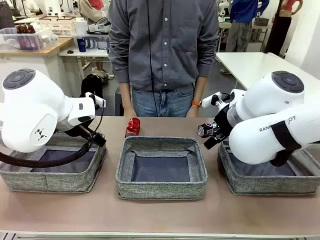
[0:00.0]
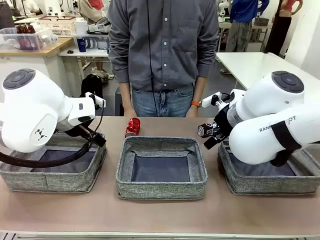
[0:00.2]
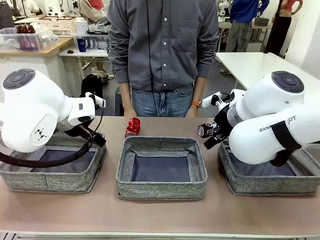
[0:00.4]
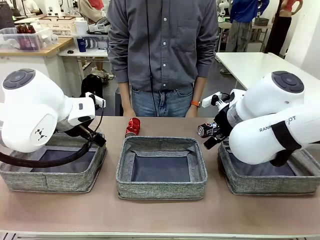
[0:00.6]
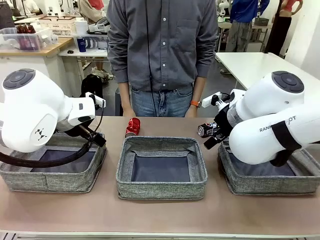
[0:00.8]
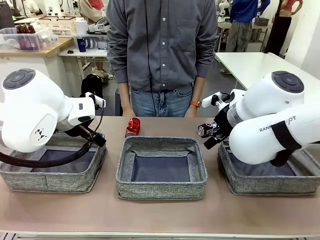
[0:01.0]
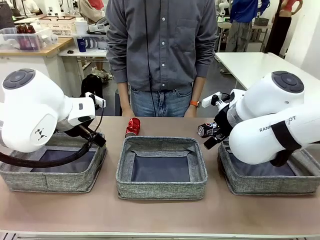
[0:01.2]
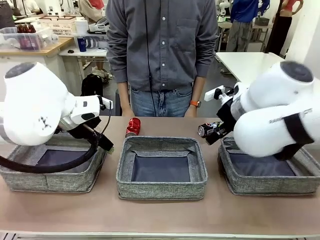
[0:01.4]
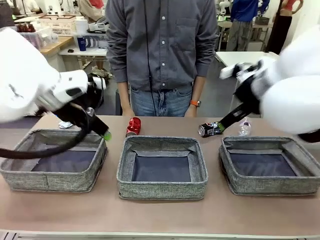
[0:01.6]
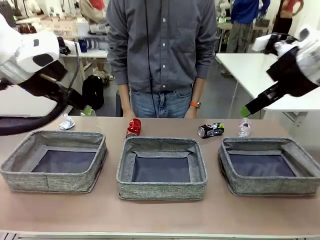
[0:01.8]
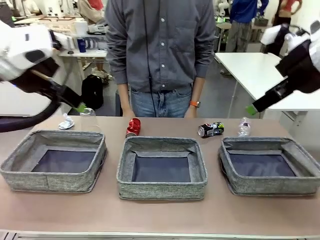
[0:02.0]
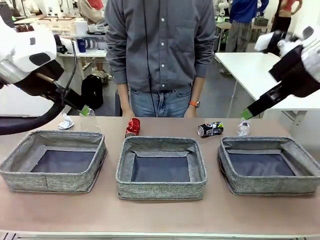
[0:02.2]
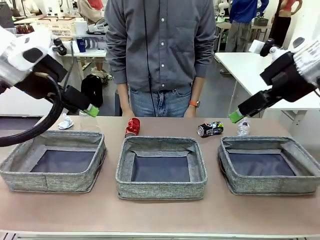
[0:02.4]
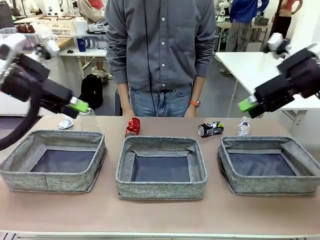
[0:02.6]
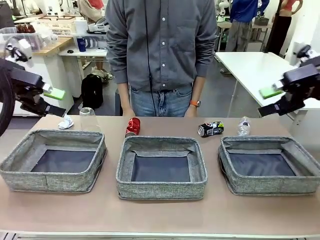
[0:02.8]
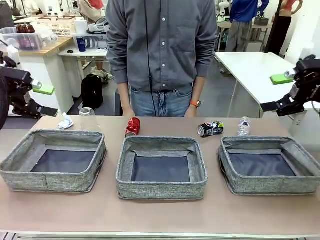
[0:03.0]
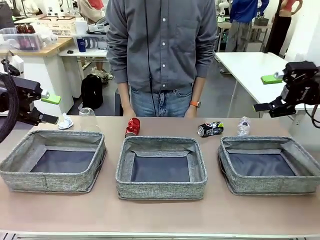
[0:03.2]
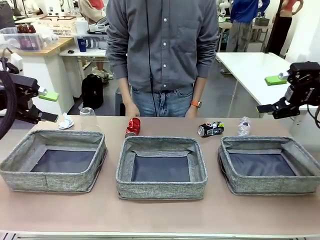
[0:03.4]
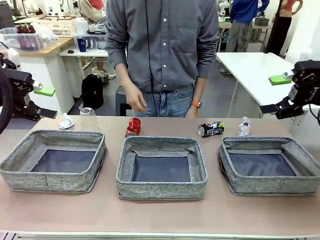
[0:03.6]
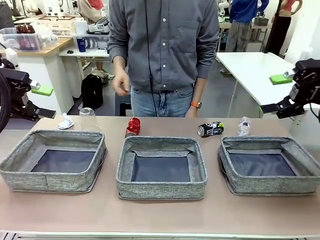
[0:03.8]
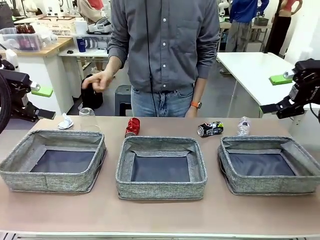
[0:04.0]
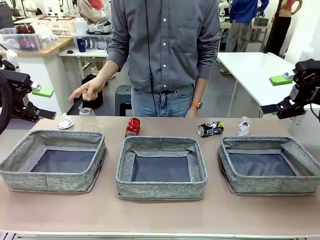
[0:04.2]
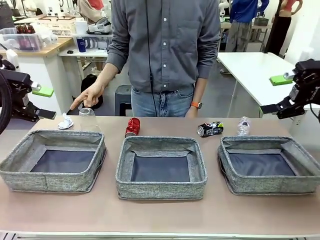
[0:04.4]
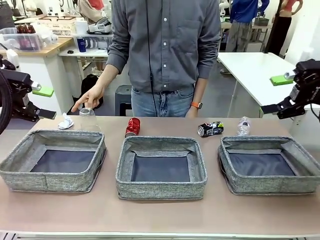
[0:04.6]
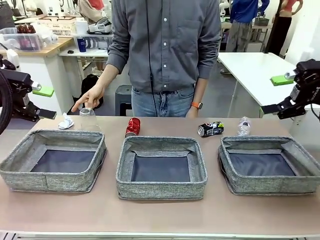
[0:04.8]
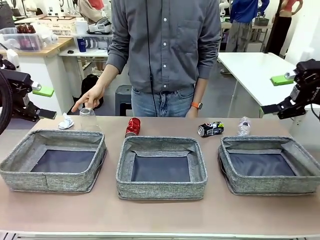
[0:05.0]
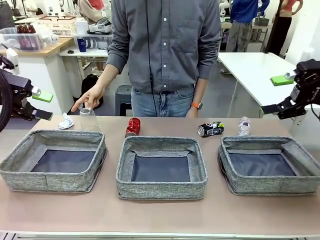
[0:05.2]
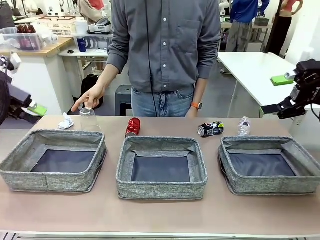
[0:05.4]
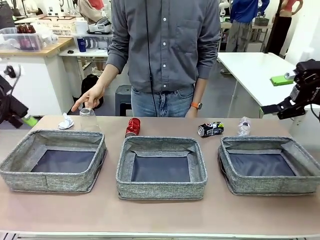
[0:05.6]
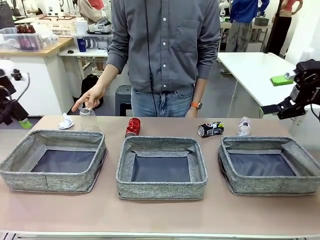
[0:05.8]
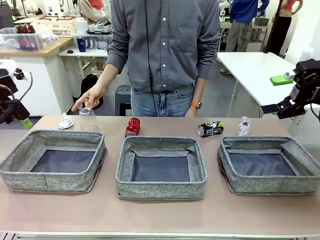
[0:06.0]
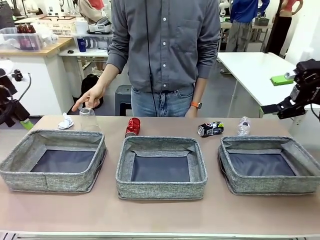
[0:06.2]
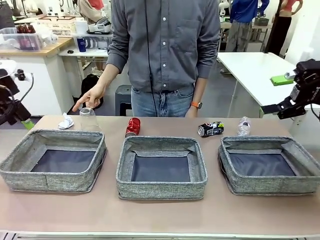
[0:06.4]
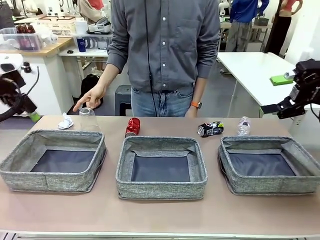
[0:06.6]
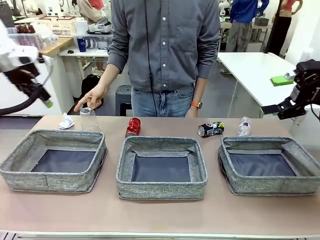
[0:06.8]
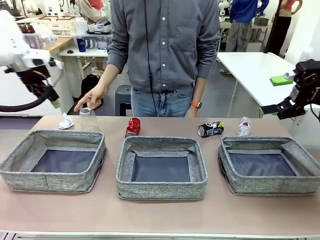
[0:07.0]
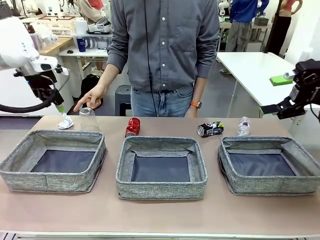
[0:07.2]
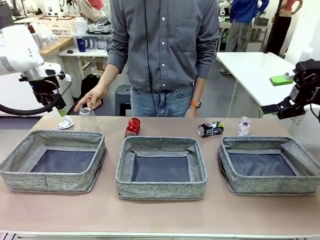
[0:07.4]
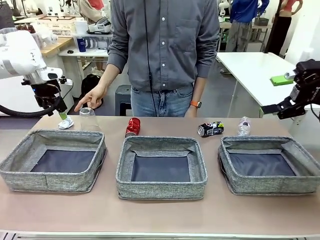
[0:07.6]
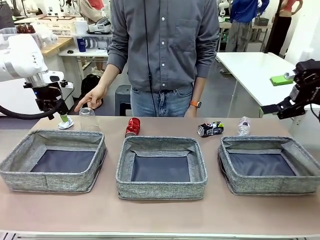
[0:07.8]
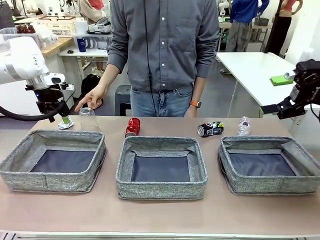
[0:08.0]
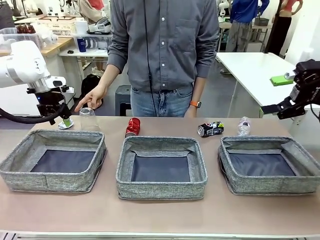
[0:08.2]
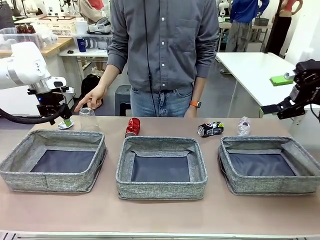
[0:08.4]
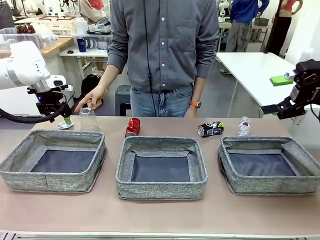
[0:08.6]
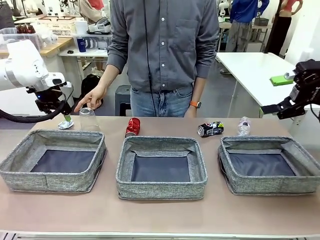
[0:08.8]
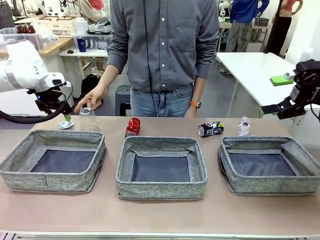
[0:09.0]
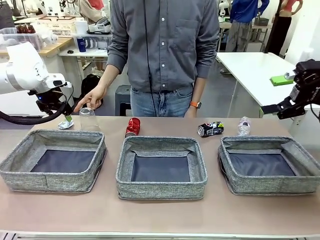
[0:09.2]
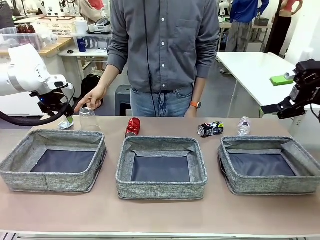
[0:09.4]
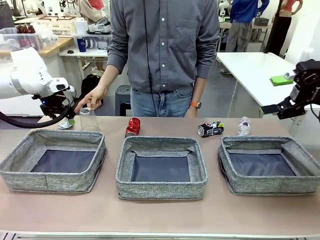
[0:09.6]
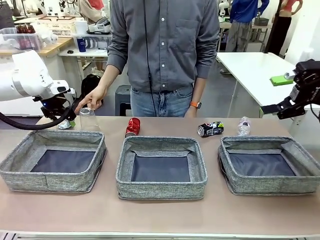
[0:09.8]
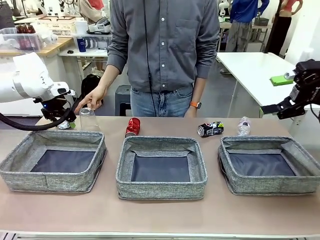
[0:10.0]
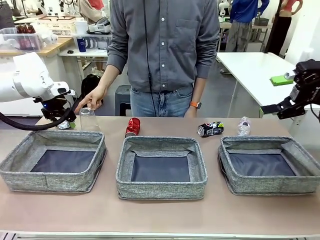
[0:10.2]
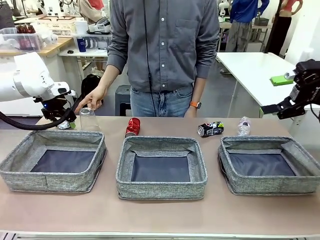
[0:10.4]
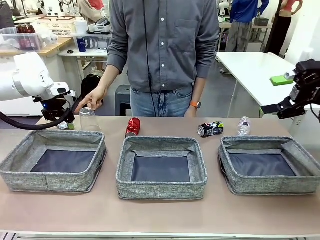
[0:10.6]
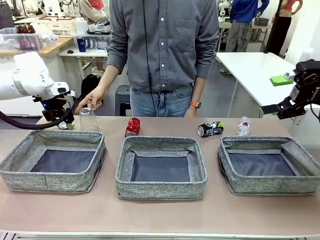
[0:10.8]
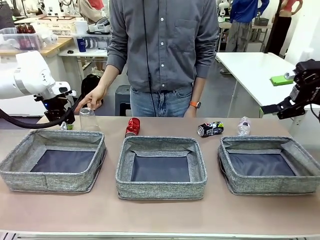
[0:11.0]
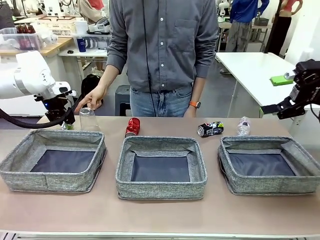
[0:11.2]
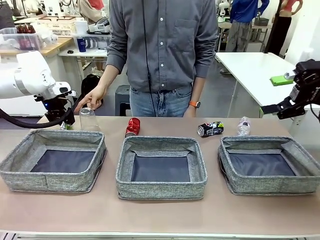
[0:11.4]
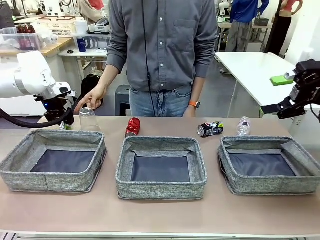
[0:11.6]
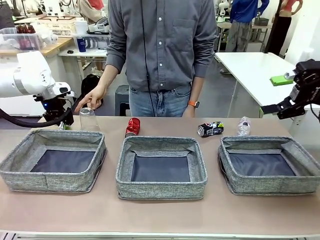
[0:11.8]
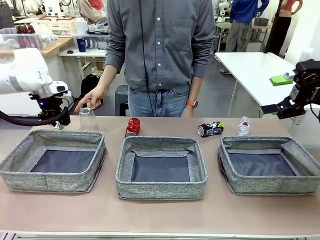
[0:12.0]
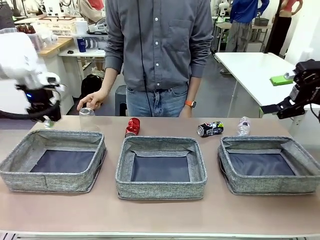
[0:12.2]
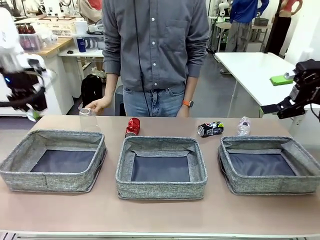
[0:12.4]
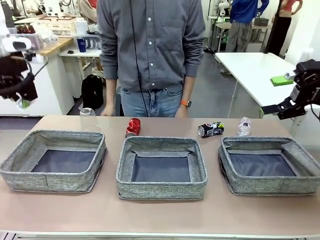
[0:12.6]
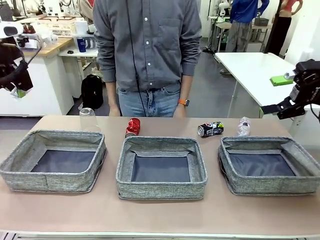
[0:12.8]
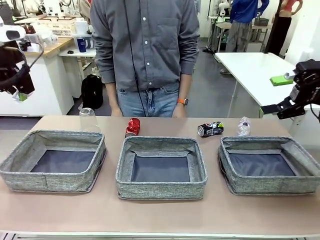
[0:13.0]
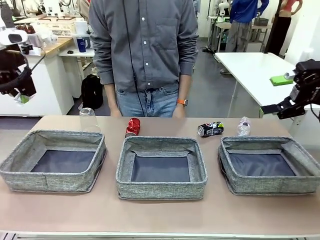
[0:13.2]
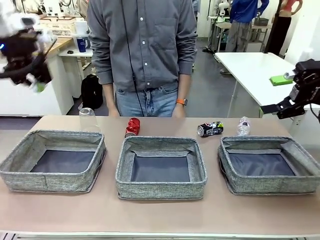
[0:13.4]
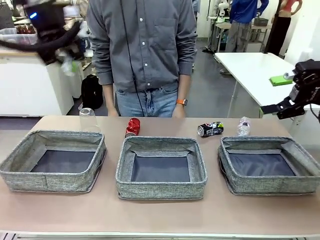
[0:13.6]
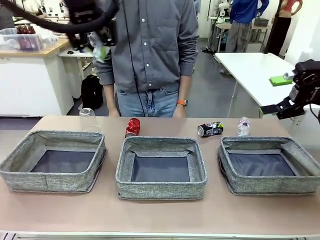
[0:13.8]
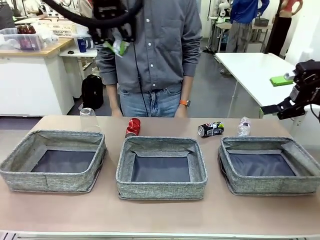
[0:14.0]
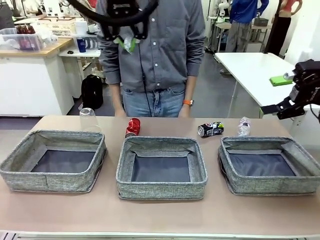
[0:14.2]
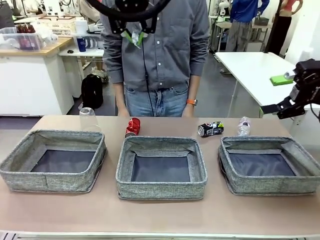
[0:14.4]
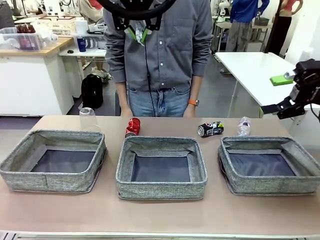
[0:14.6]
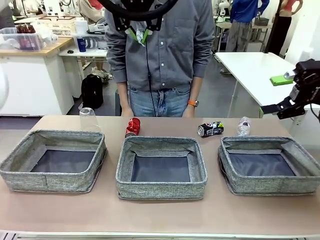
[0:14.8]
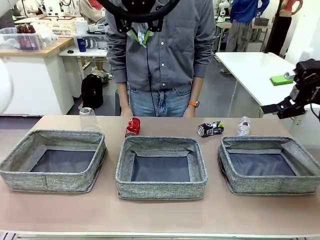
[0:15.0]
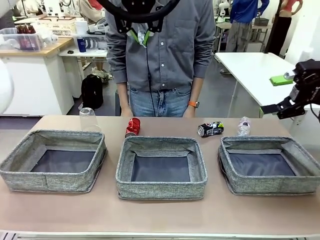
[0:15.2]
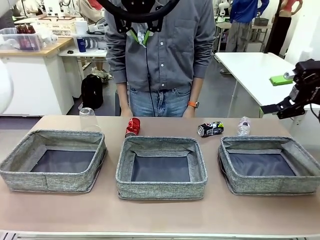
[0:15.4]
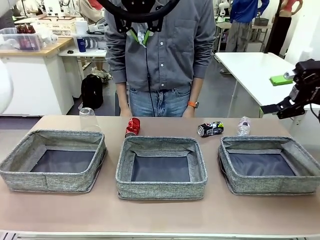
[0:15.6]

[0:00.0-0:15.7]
Task: Sort the waste into the appropriate baskets.
Robot: Pick up the waste item pointed out by the person.
Person: Points to one piece of trash on the table.

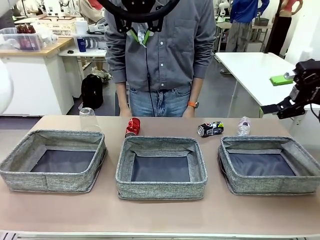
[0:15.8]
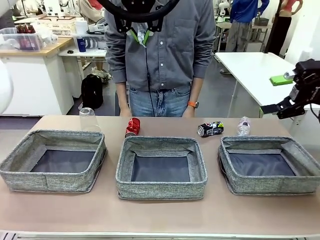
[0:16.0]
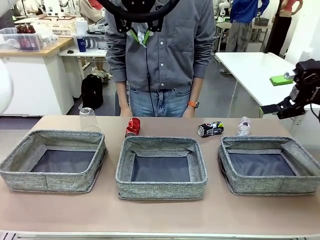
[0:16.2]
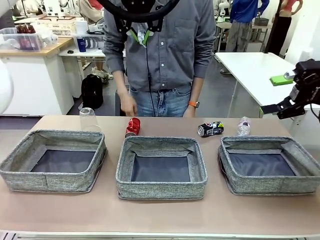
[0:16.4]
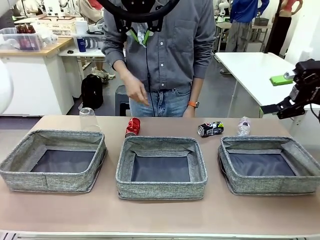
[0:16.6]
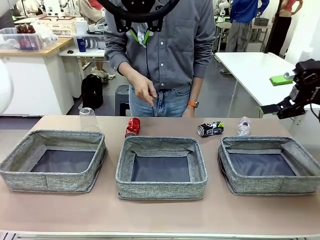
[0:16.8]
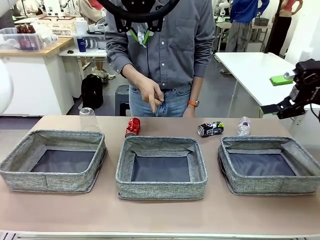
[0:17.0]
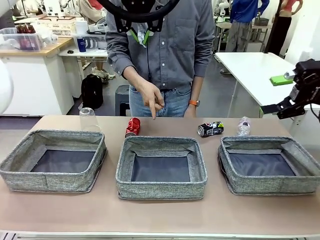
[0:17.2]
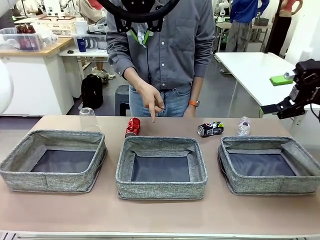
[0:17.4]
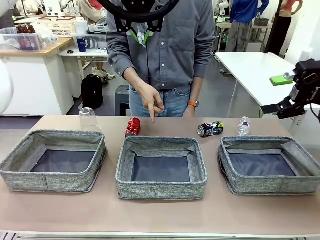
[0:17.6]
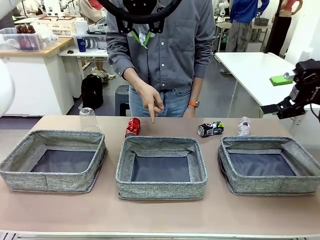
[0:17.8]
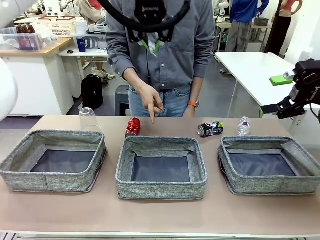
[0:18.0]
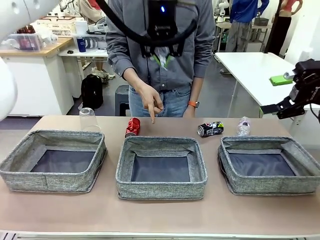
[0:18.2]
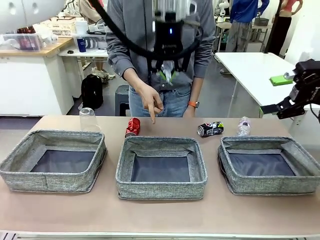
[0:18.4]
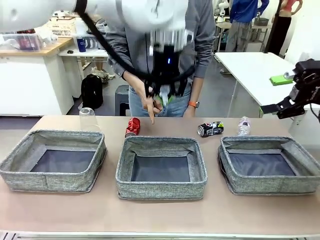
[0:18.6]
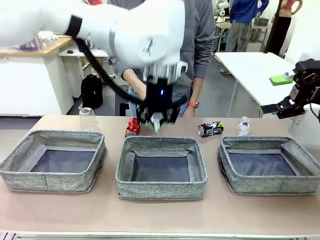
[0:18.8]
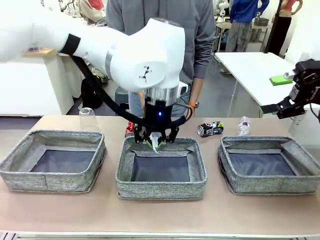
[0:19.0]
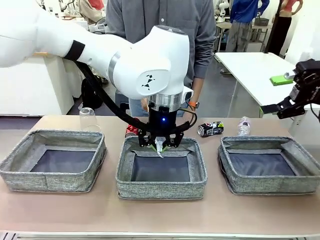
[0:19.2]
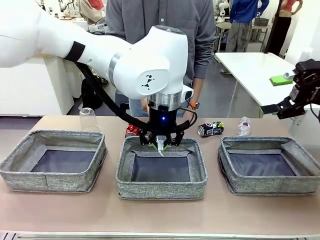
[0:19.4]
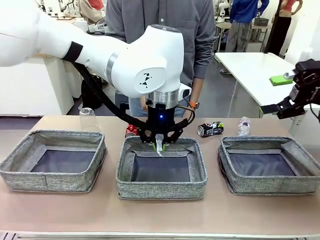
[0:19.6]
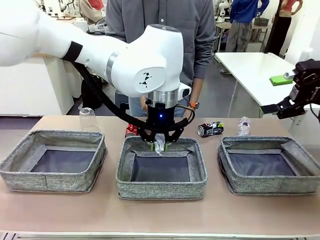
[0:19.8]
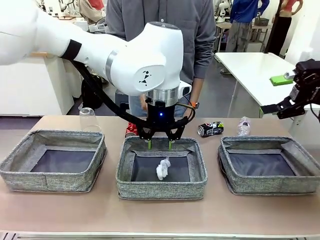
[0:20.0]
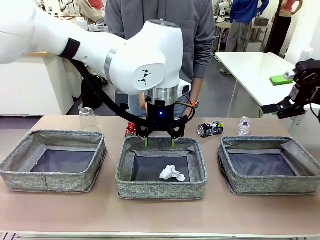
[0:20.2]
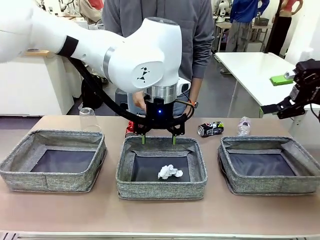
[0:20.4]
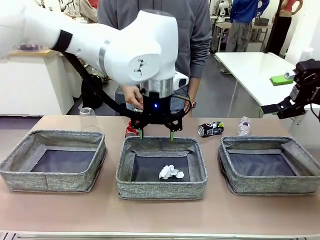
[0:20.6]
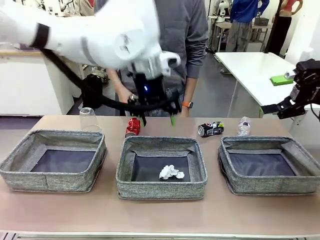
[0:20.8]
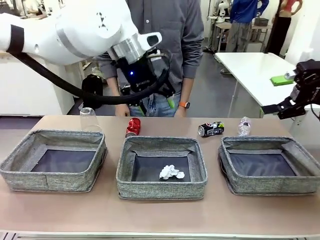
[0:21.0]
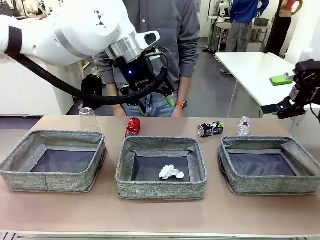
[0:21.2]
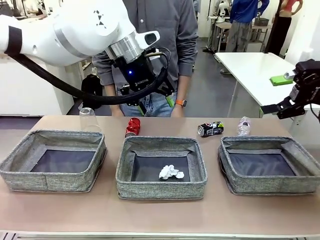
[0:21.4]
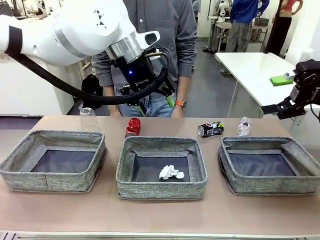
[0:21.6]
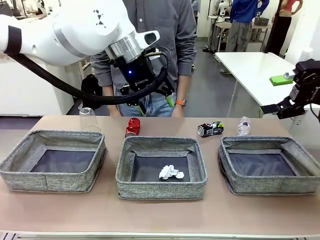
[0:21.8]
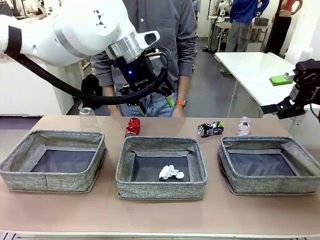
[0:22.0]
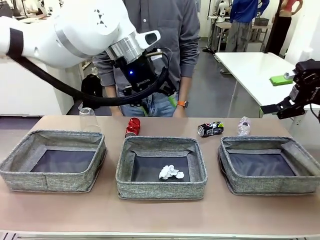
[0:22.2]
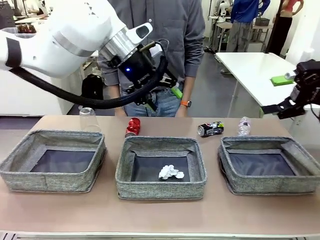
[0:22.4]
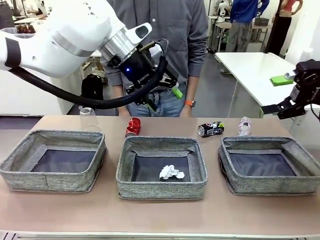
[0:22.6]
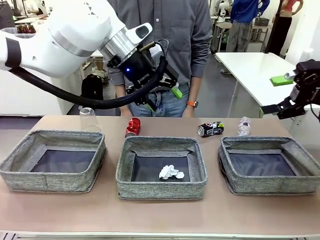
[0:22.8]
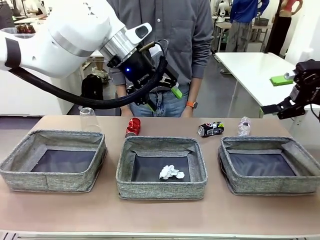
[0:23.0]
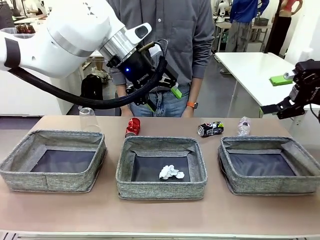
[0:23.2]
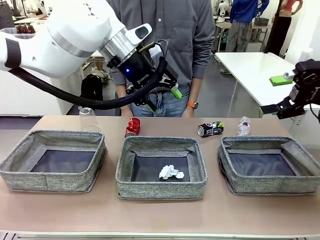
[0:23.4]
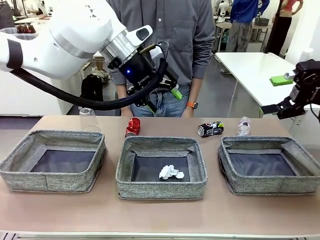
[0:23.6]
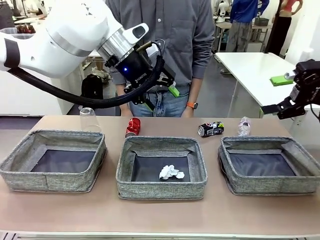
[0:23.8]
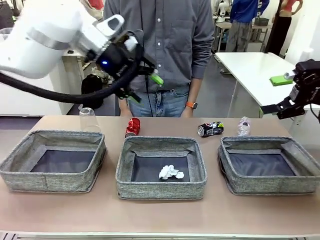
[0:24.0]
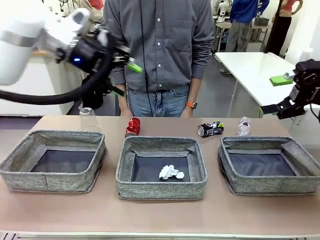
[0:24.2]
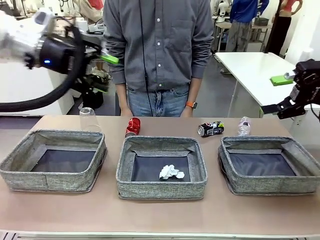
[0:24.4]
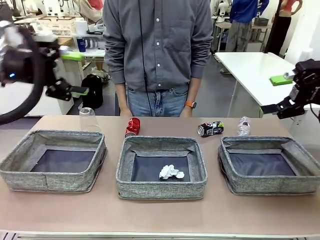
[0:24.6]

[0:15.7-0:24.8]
Robot: Place the picked waste into the Fabric basket indicated by the person.
Person: Instructs the robot to place the picked-up trash into the appropriate organizing basket.
